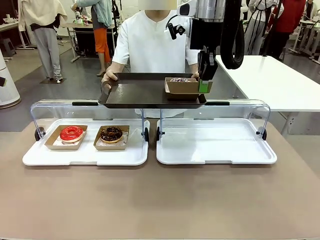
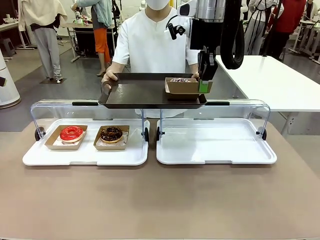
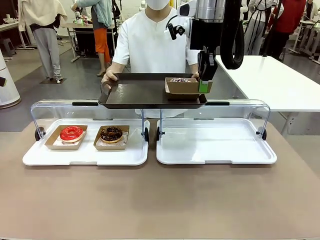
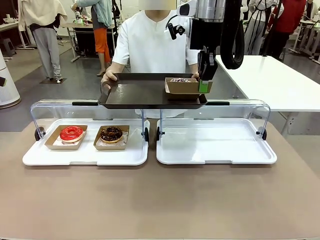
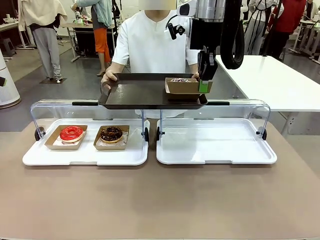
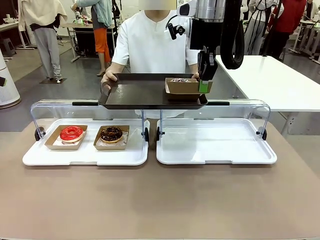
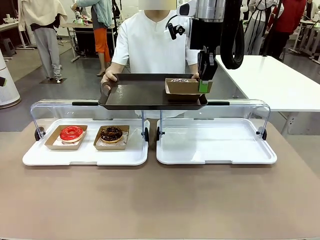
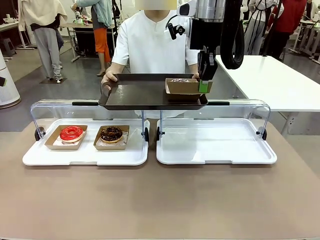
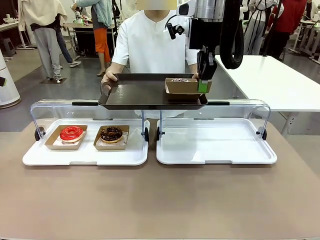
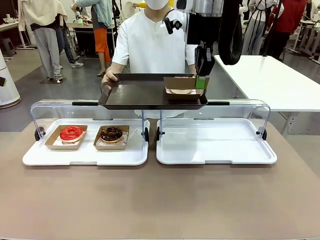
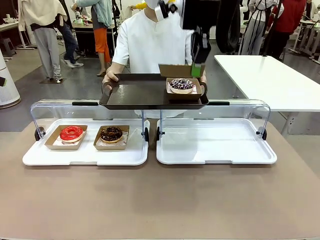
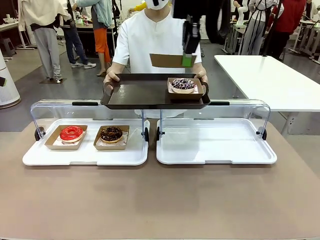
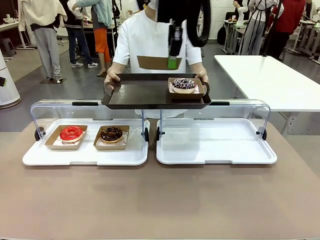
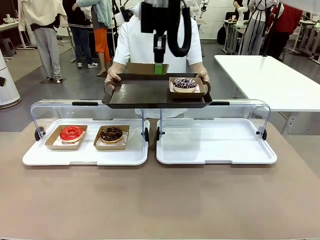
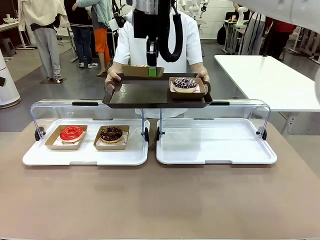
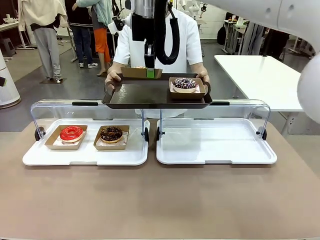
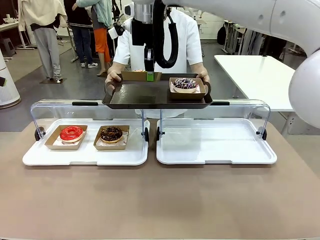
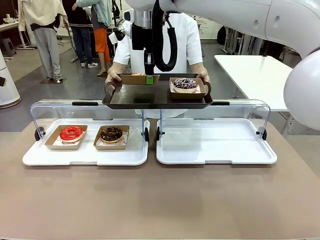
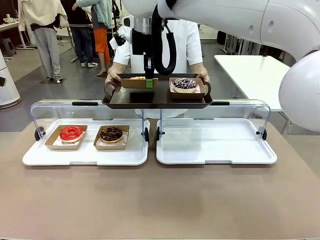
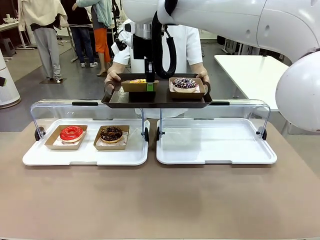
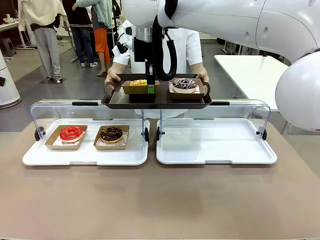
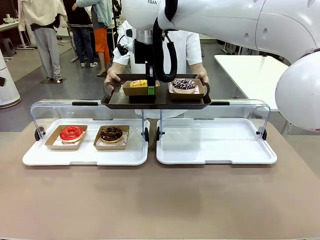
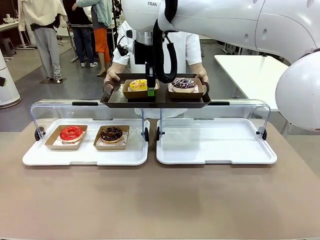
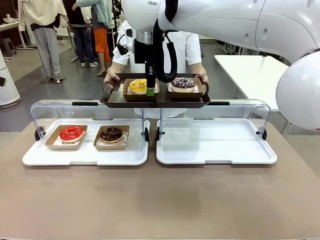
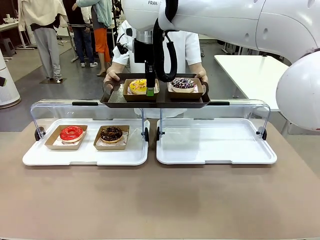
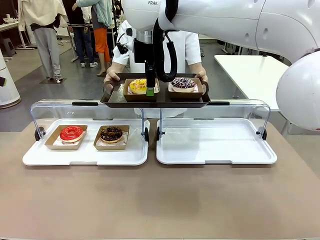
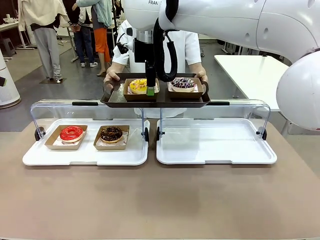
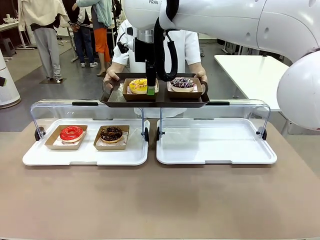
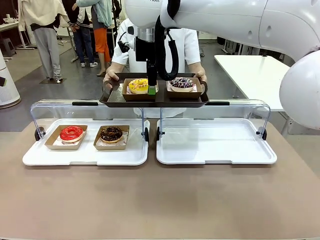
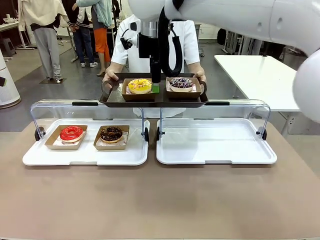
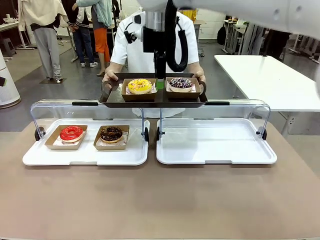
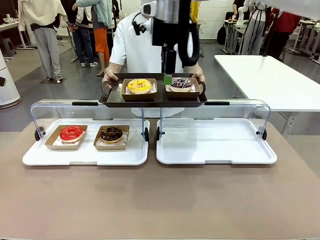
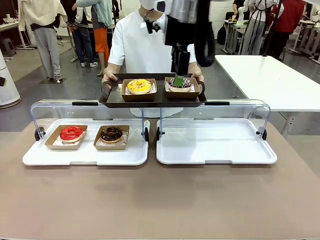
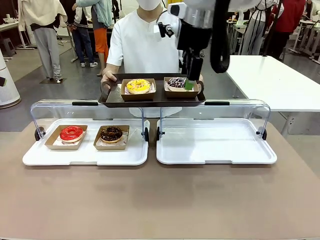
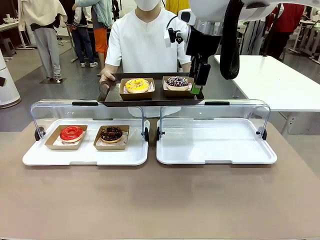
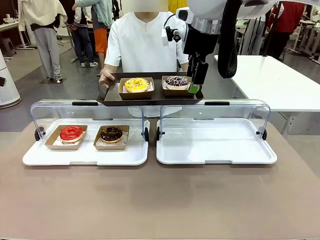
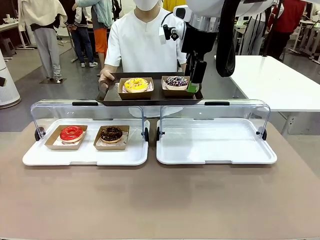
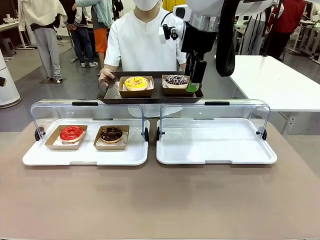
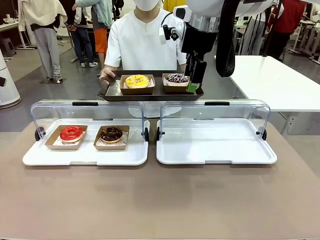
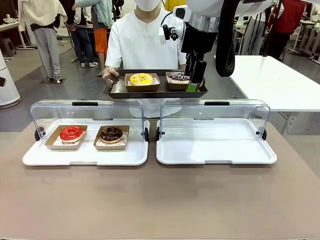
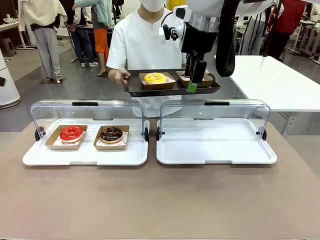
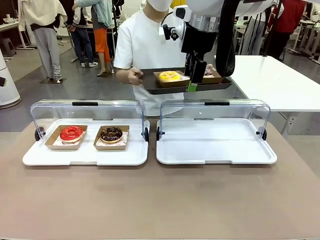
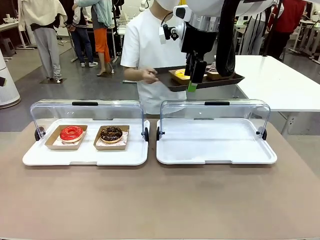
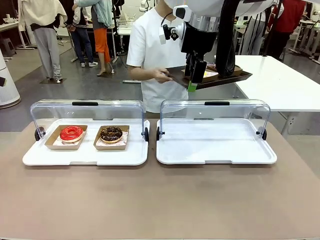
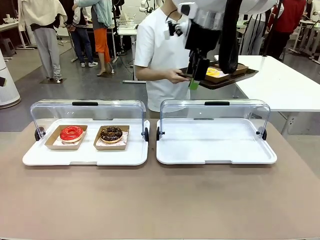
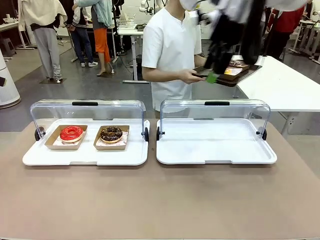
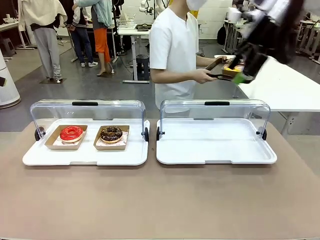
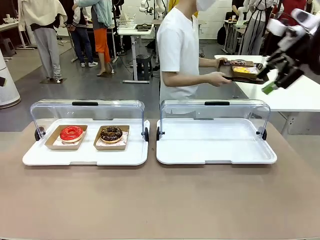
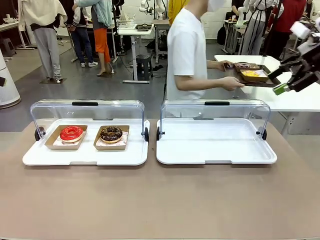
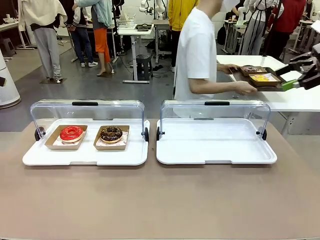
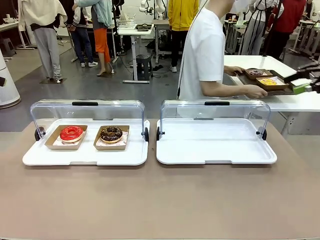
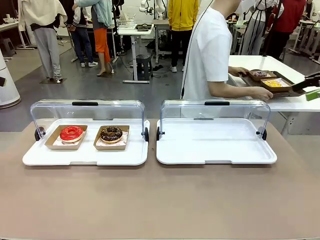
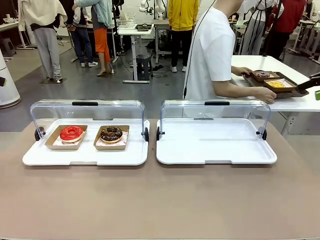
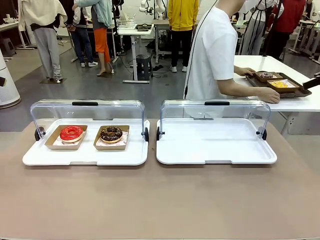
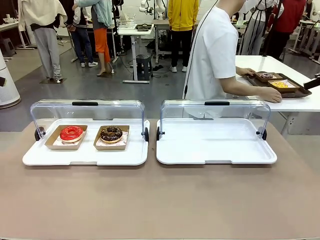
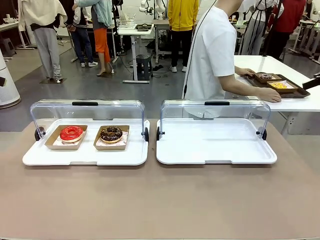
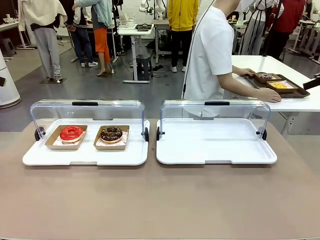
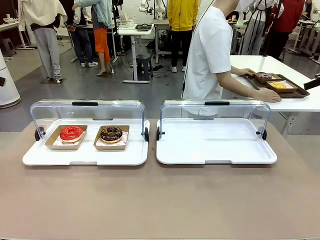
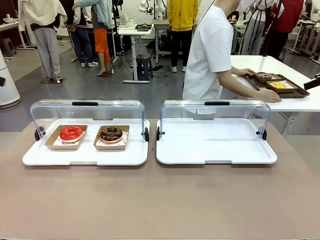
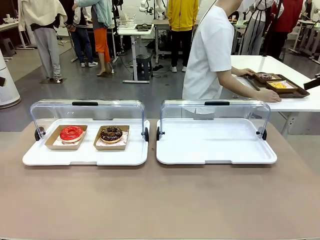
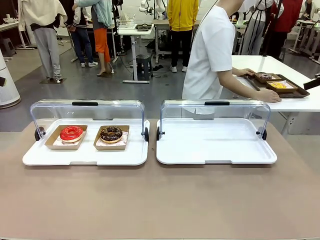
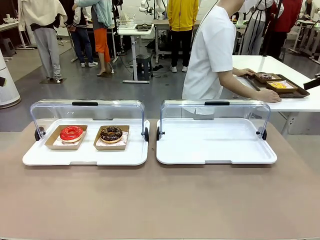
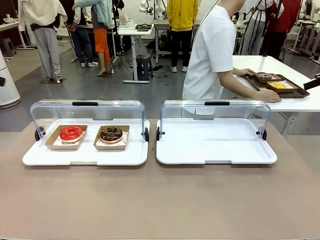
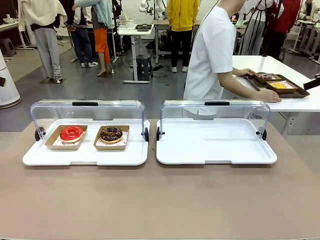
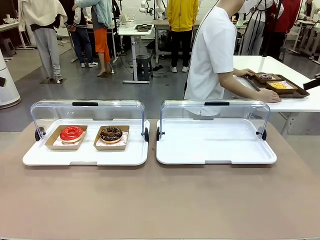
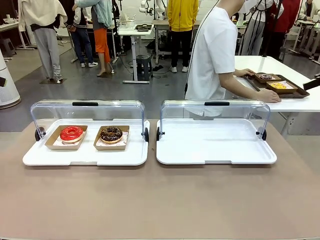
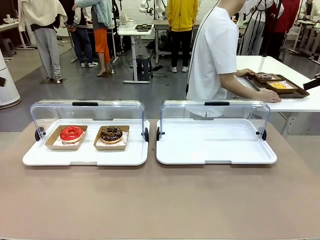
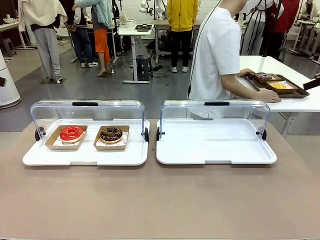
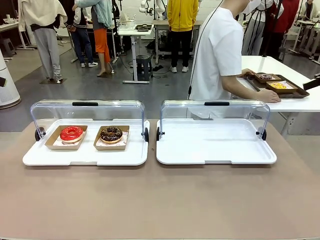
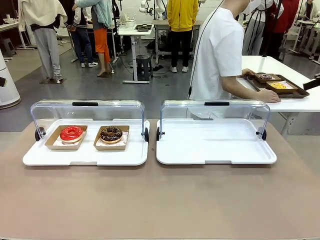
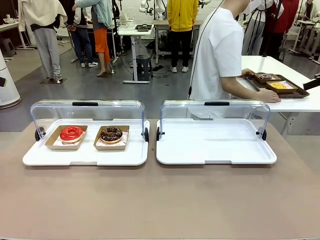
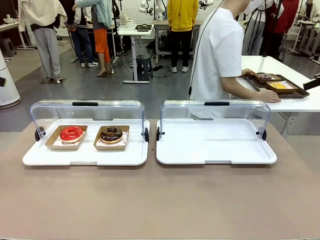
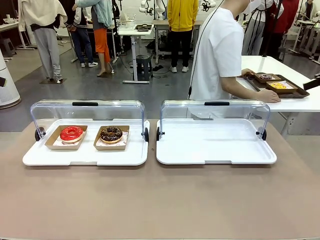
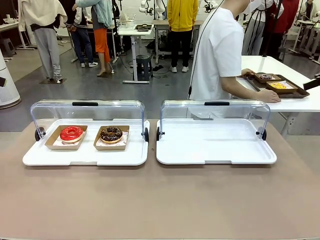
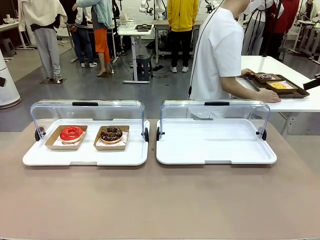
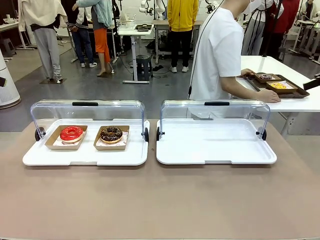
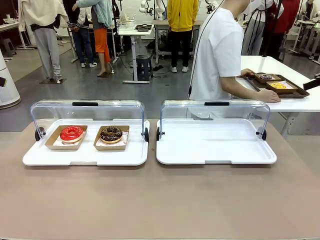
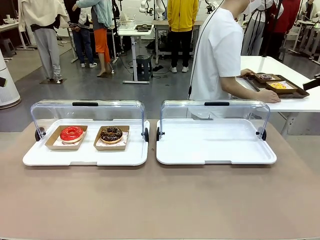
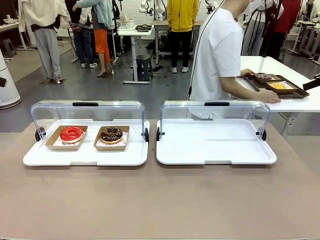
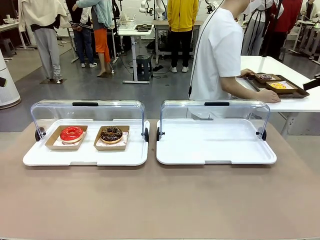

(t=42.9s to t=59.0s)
Task: Provide the desired donut to the person.
Robot: Place the picked Paper togo box onto the Handle tray extended by the person.
Person: Place the tray in the middle of the human table.
